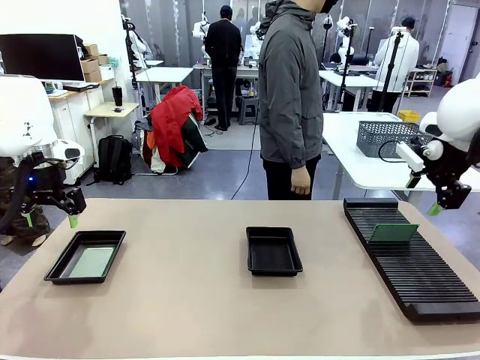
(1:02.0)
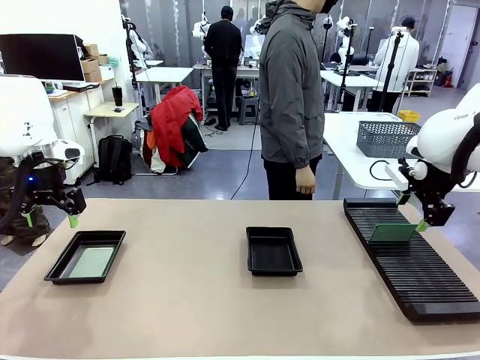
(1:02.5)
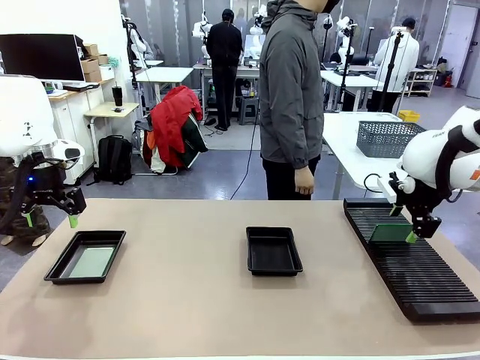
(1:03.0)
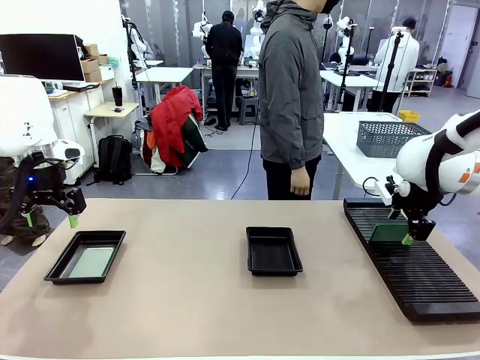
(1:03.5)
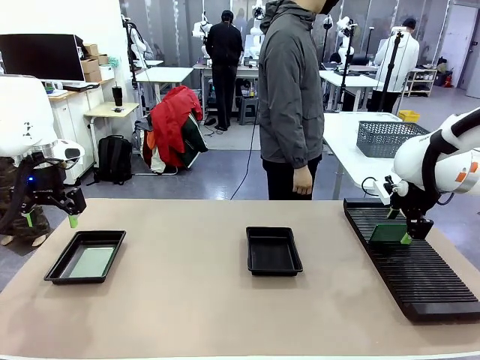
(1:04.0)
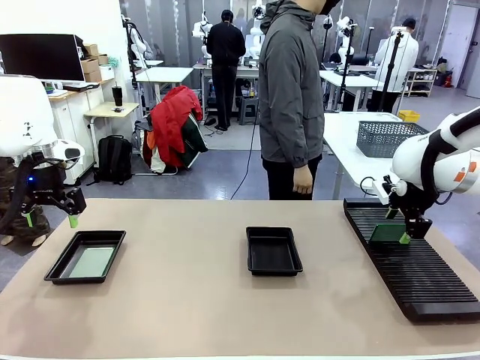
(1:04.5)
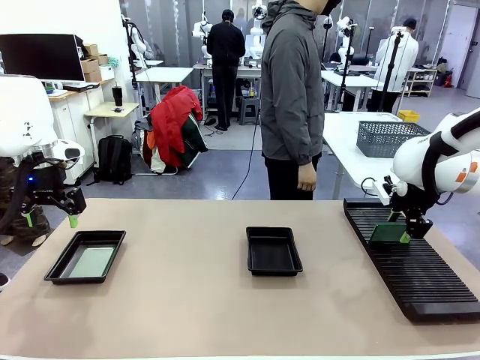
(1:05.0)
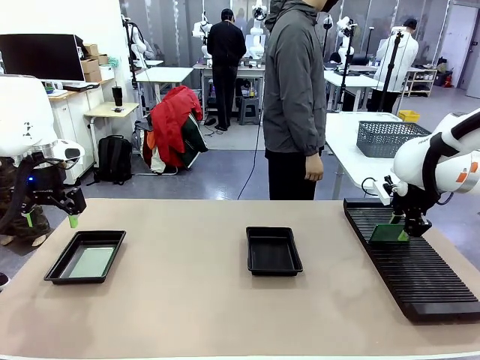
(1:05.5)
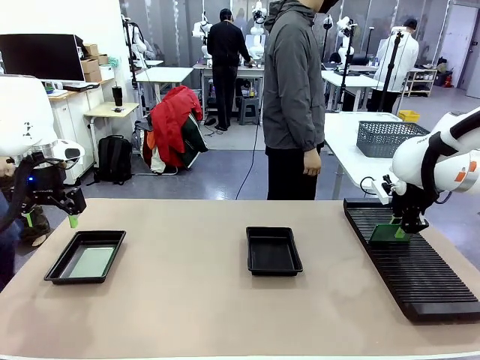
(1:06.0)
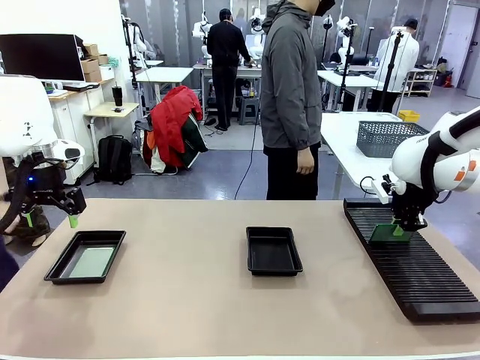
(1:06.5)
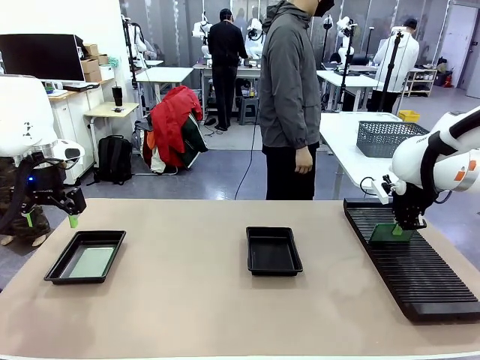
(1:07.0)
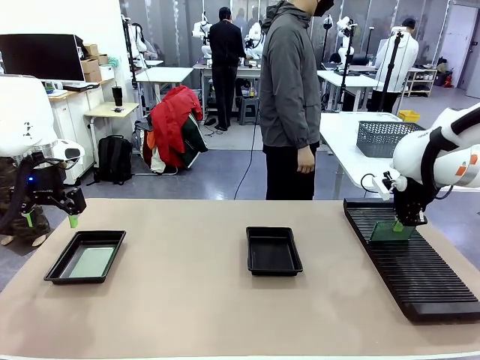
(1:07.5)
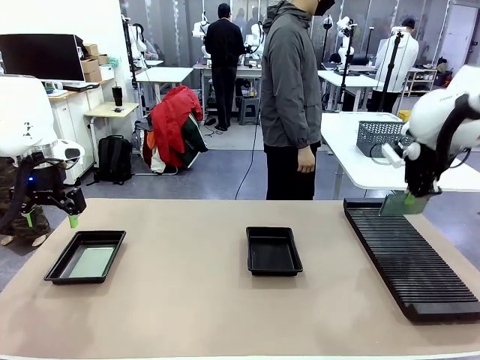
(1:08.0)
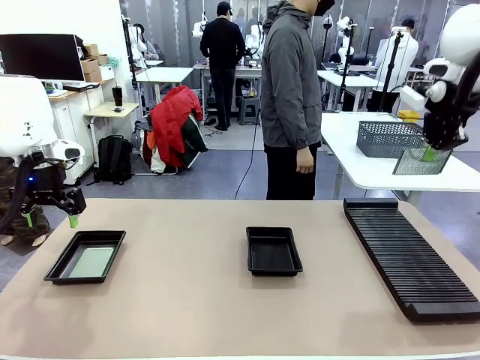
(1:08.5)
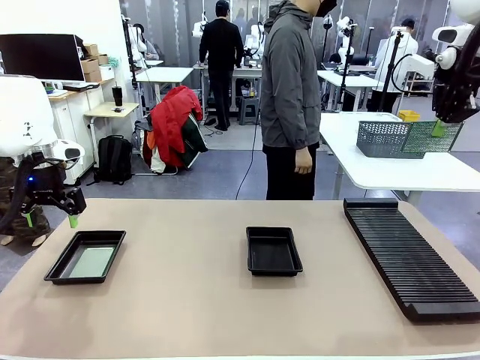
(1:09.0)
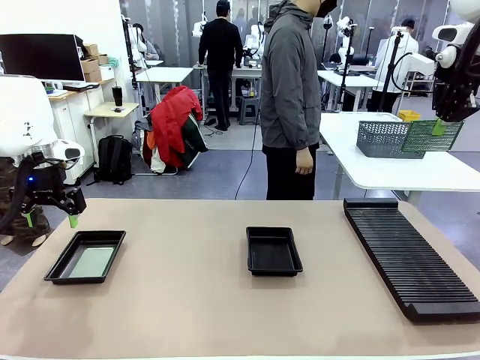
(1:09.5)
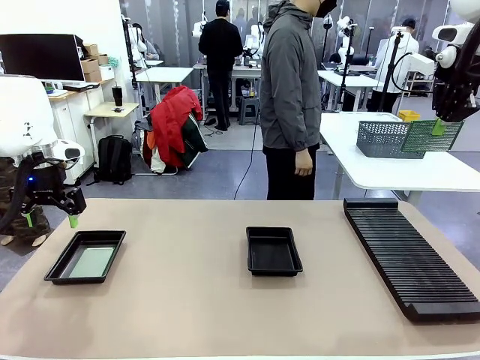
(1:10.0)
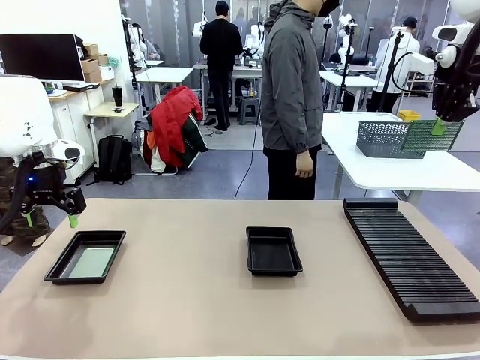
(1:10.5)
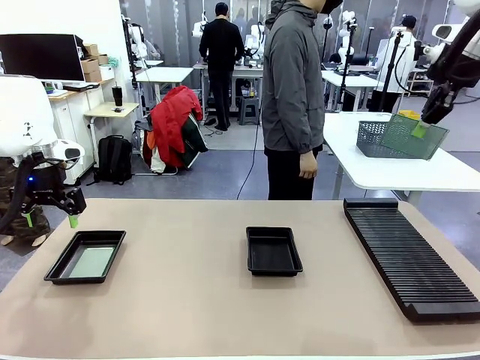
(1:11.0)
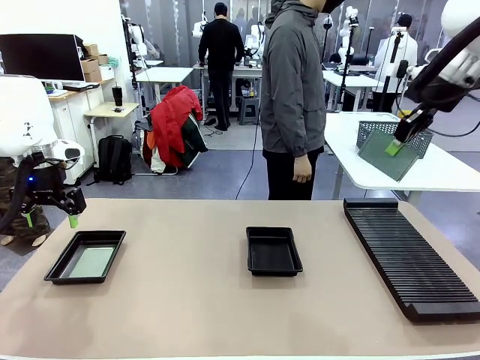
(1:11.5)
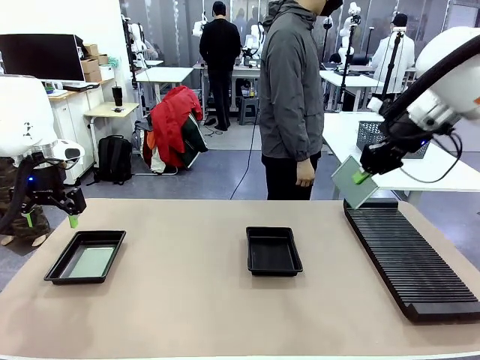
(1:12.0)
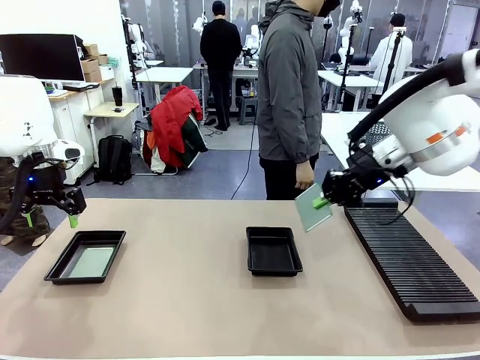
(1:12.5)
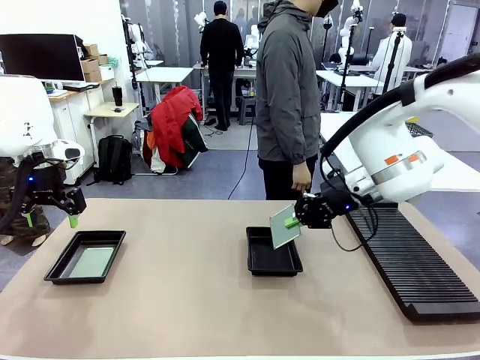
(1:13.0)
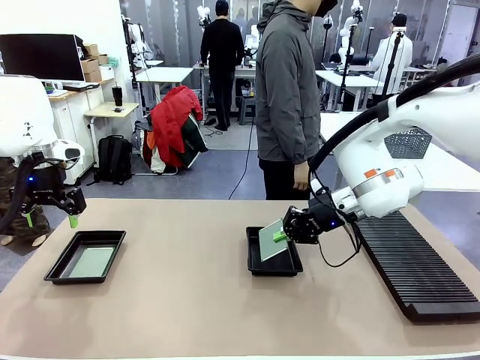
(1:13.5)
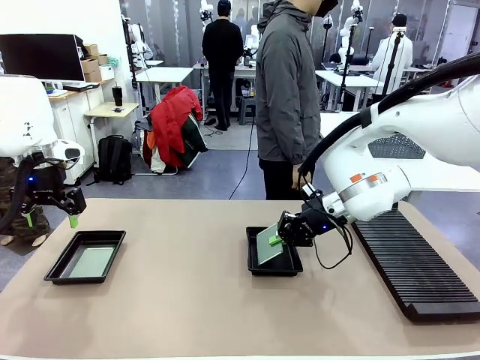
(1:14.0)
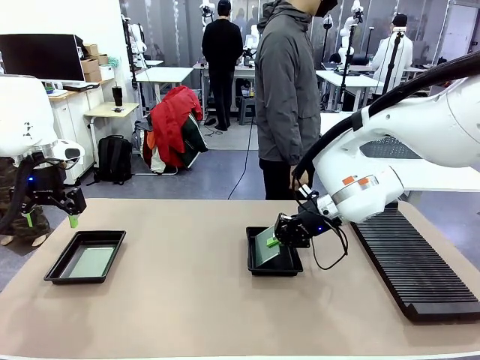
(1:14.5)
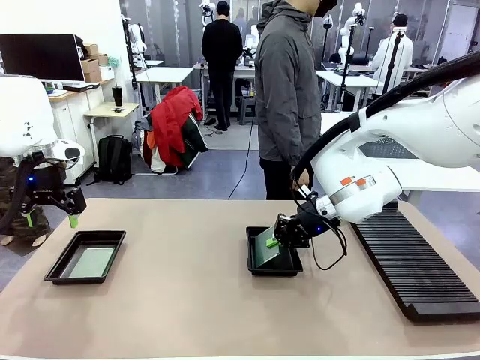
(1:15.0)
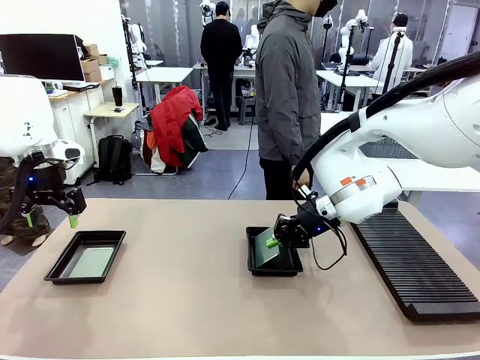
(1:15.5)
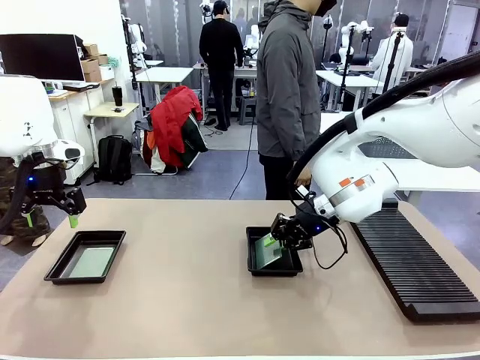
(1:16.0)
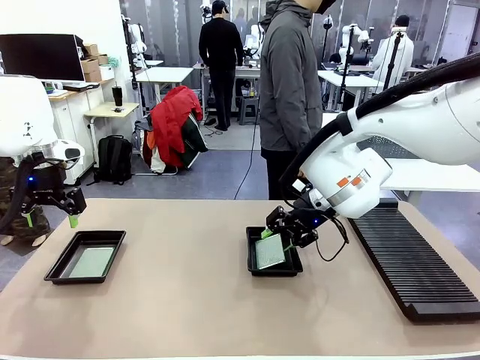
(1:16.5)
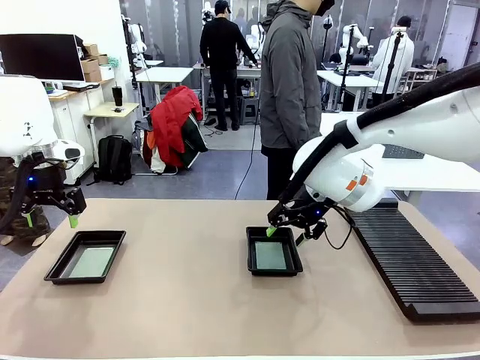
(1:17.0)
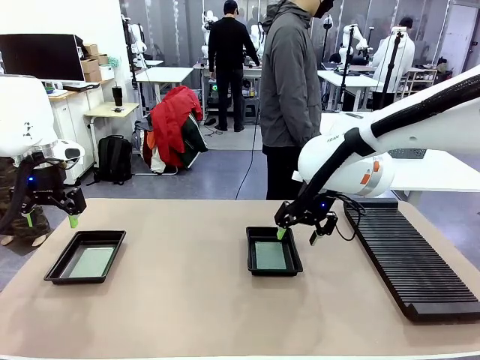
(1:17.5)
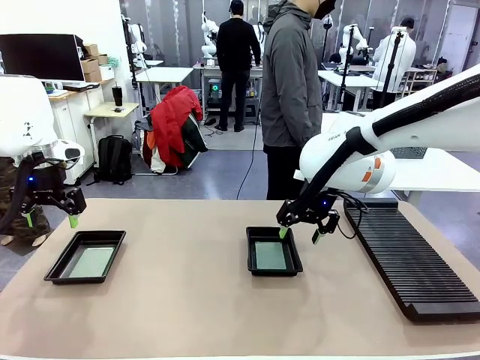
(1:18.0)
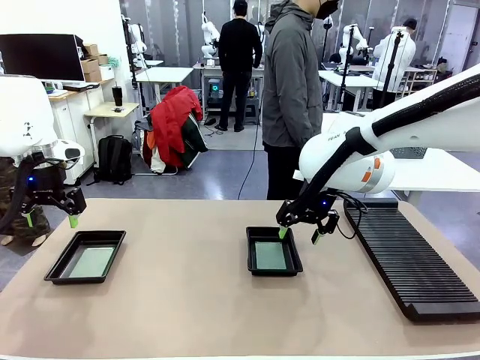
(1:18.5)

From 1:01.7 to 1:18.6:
Task: Inspect and transfer BCBs to ESD trays.
Robot: Pick up the Blank PCB from the PCB Rack and place it in the right ESD tray.
